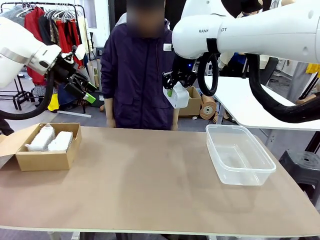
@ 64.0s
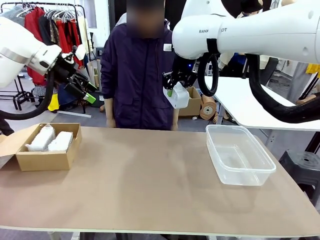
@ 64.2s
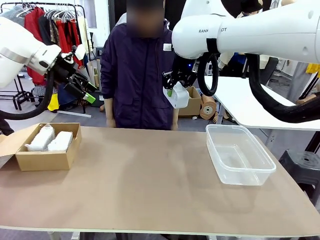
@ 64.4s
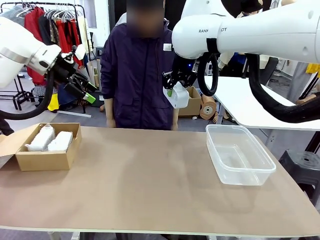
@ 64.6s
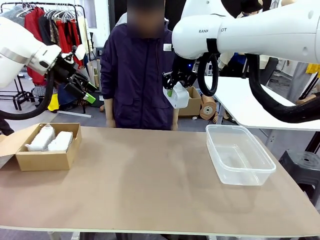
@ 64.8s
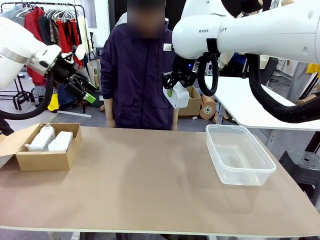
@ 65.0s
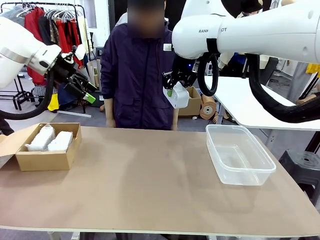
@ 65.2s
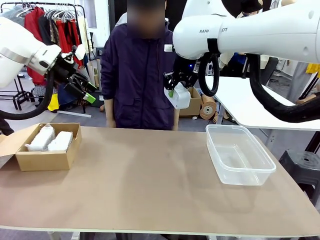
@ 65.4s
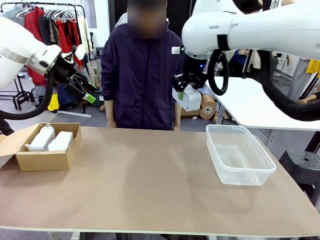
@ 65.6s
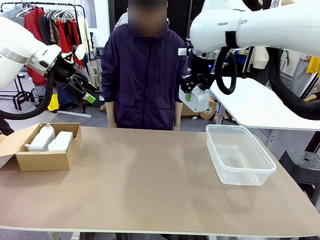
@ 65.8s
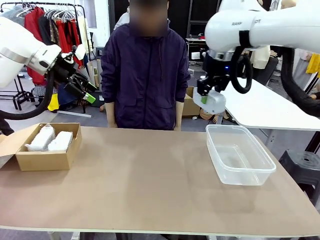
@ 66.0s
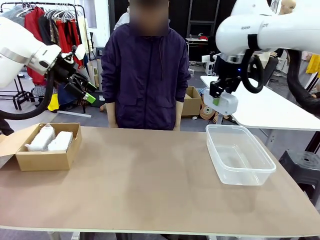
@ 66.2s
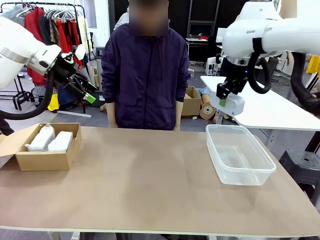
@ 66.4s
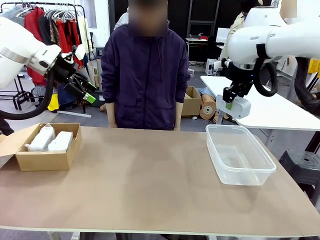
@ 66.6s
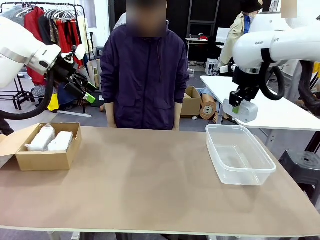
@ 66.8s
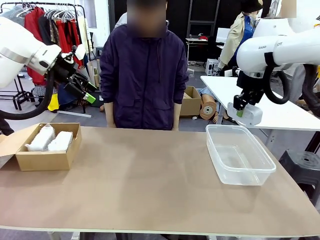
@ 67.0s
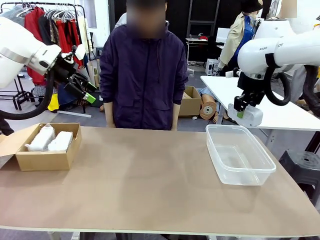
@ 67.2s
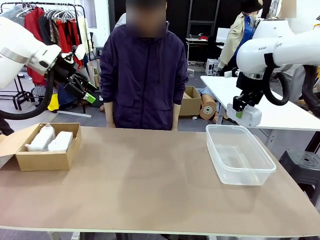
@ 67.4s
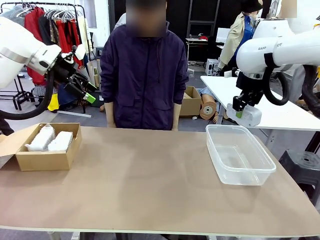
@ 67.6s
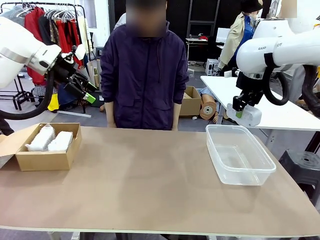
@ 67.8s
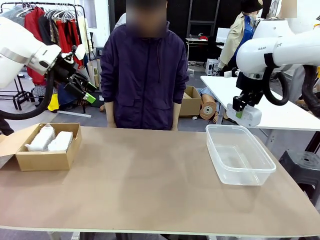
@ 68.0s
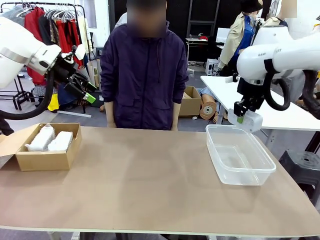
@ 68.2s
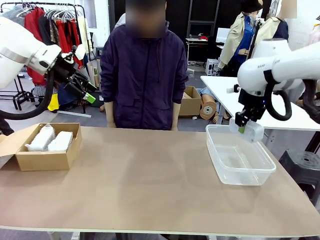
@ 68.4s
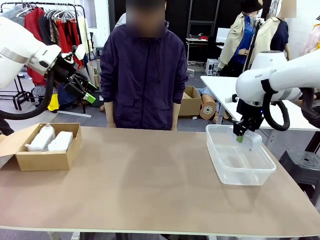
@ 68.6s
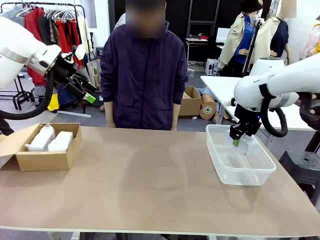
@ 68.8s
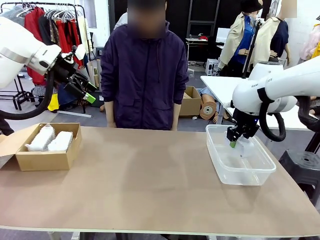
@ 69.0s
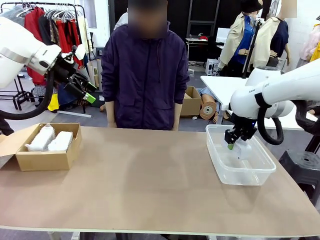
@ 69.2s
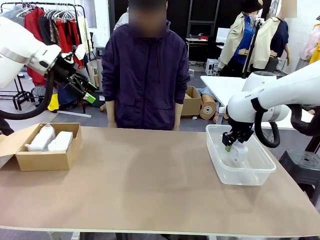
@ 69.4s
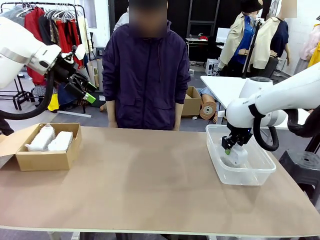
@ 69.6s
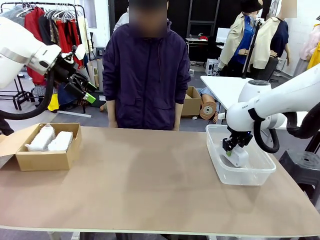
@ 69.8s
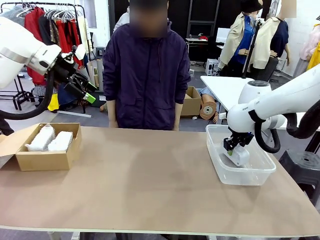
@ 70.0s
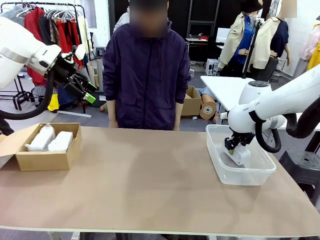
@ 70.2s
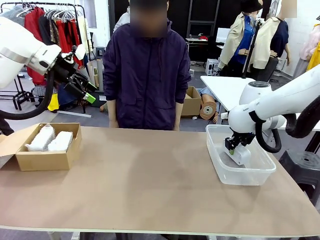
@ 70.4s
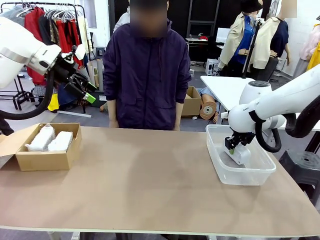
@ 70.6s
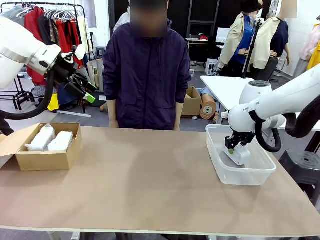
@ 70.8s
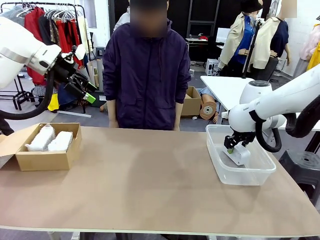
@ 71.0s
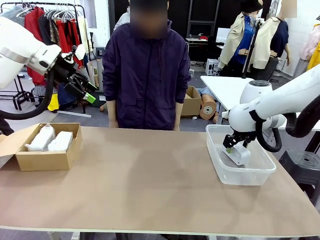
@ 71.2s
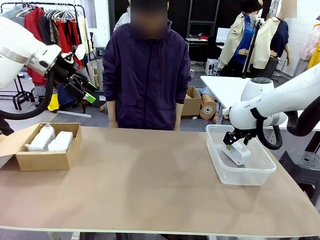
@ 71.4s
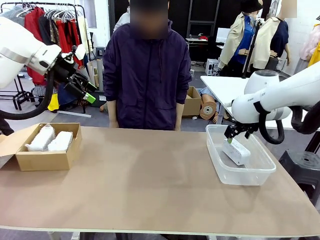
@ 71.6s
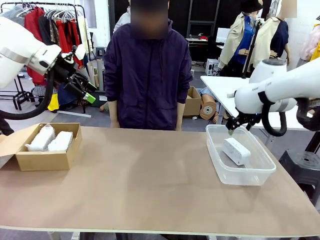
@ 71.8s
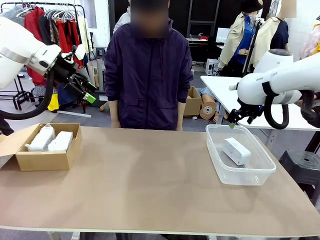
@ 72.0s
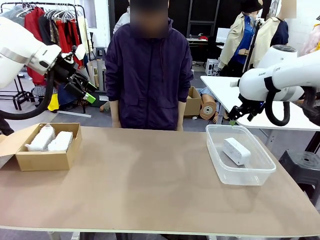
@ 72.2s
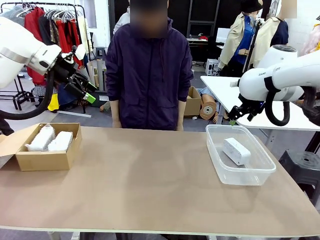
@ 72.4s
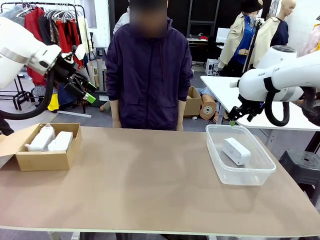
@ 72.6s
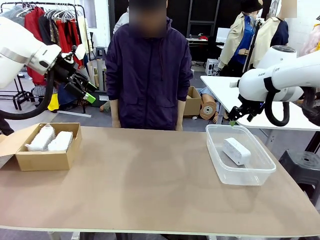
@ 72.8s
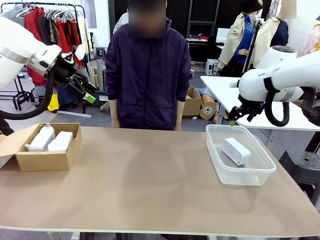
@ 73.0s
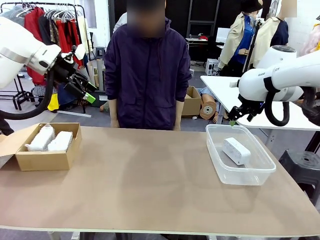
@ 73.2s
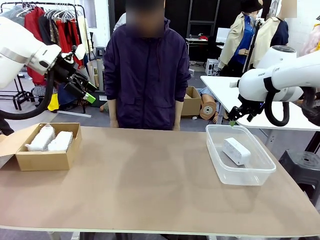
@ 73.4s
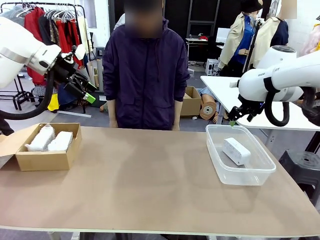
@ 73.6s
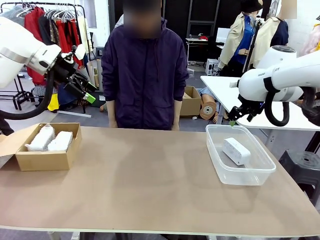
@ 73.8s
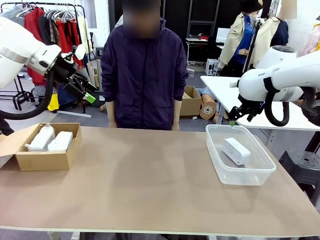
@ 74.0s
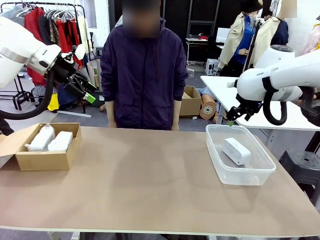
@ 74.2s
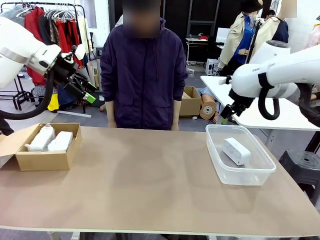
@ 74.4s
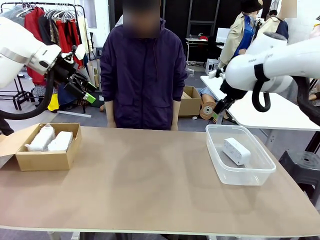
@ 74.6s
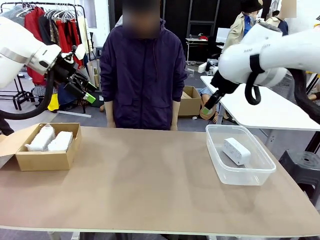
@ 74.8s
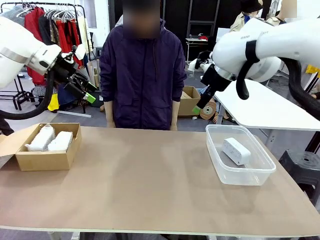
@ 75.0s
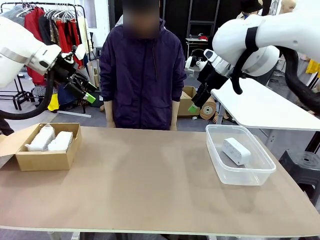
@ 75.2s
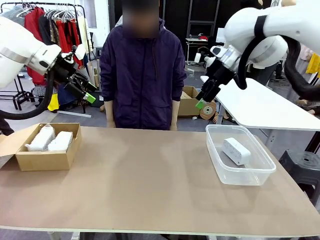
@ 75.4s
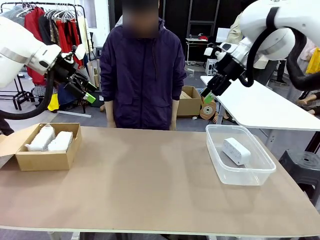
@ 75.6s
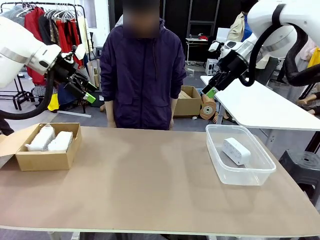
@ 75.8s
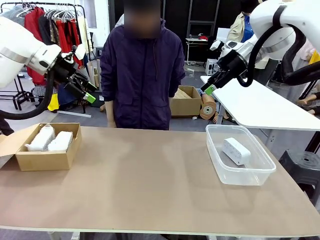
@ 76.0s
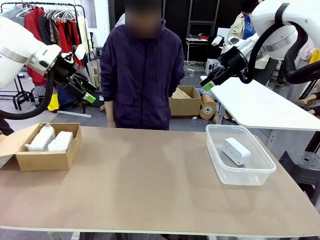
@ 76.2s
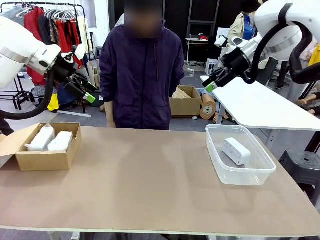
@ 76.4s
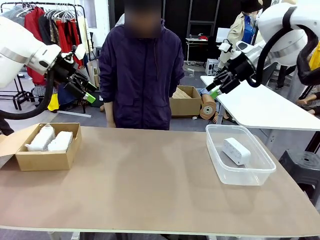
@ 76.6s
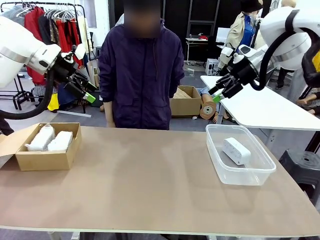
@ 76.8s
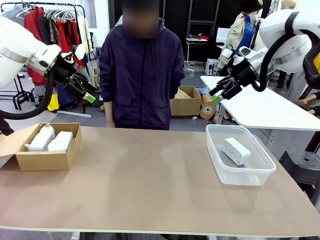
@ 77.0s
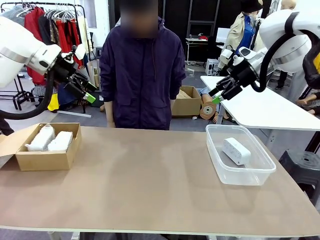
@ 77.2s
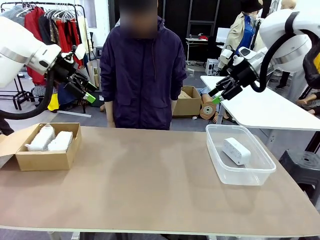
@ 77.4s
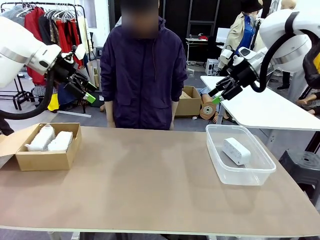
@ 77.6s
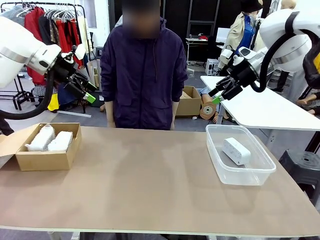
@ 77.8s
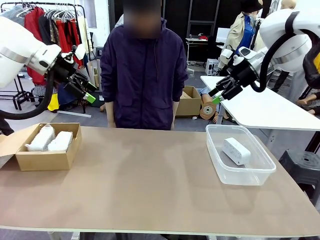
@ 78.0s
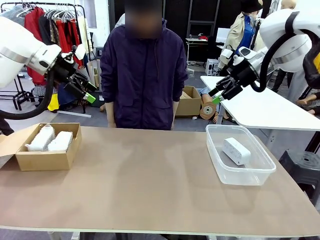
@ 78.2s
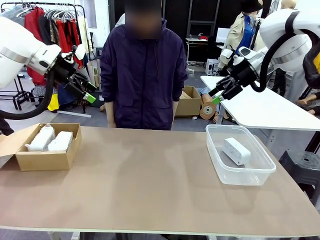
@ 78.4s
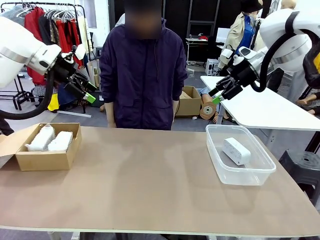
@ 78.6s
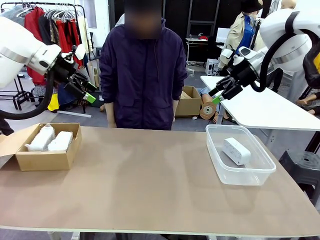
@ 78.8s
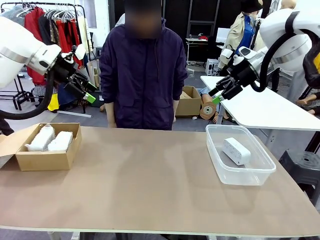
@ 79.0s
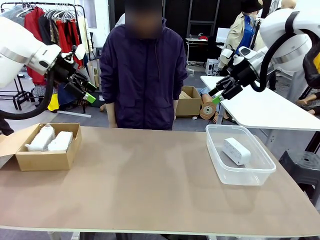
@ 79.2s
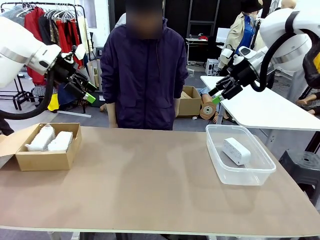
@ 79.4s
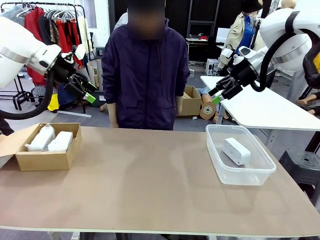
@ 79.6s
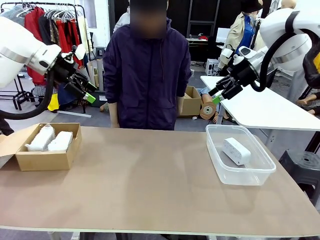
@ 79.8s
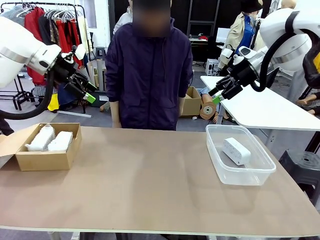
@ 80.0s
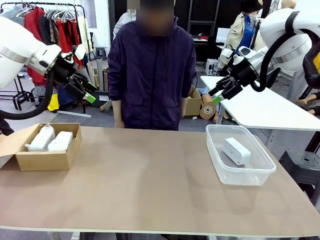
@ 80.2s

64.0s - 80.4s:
Task: Separate and place wrapped and unwrapped clocks.
Robot: If the picked Digital clock is wrapped, place it in the Package Box ; if not, place it in the Organizing box.
